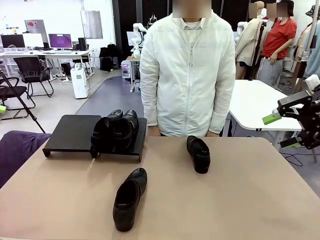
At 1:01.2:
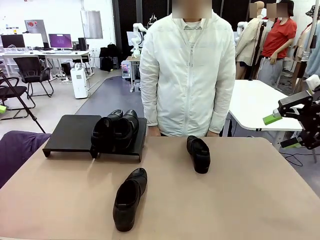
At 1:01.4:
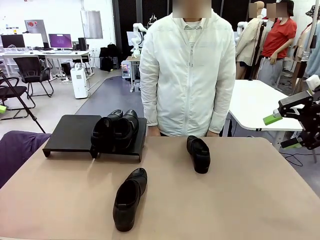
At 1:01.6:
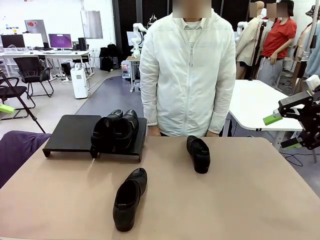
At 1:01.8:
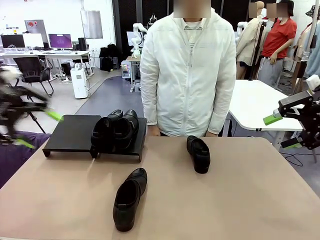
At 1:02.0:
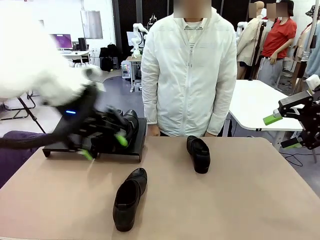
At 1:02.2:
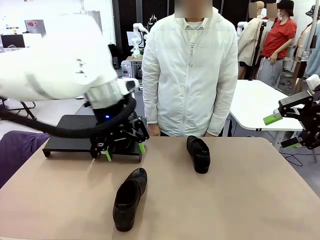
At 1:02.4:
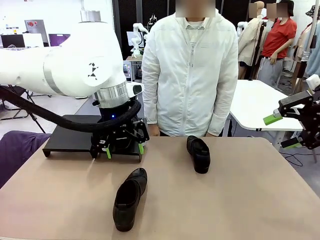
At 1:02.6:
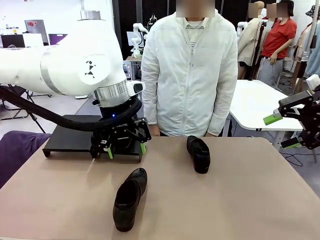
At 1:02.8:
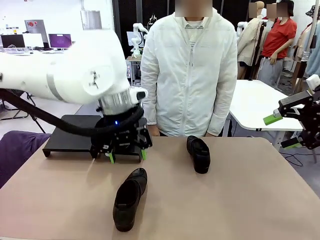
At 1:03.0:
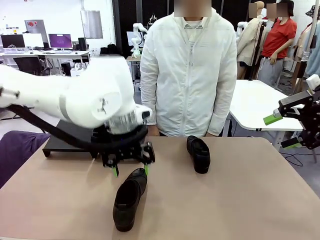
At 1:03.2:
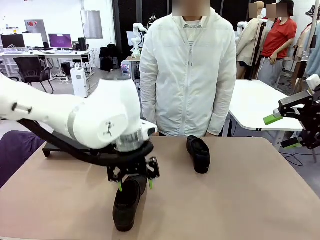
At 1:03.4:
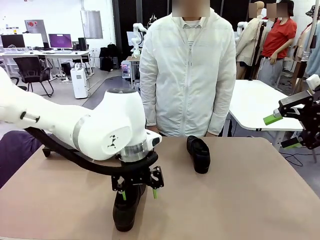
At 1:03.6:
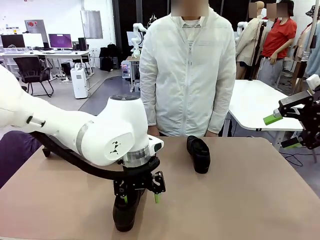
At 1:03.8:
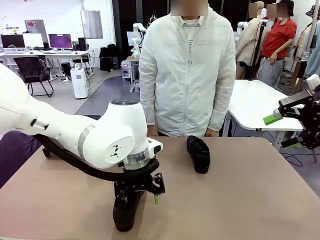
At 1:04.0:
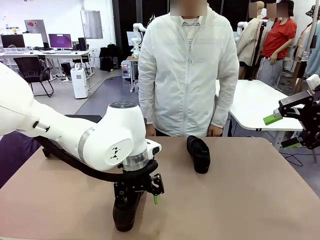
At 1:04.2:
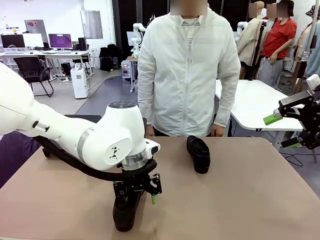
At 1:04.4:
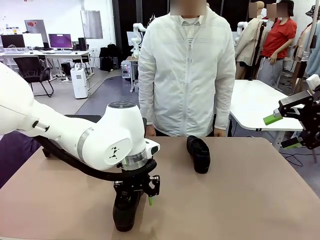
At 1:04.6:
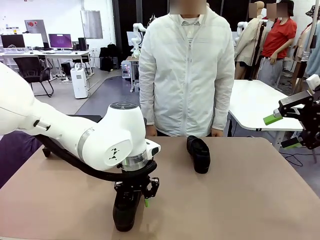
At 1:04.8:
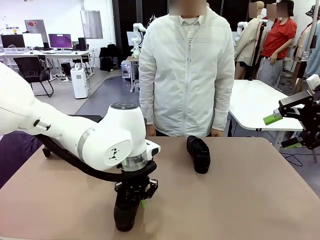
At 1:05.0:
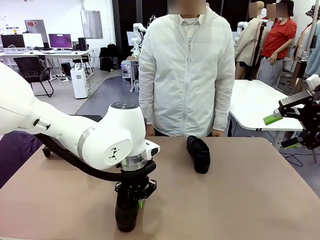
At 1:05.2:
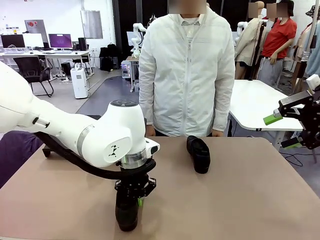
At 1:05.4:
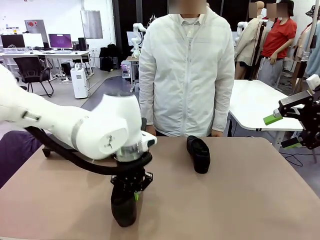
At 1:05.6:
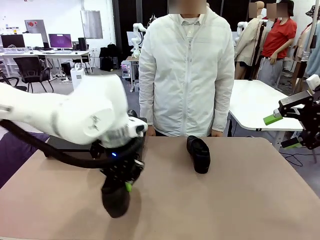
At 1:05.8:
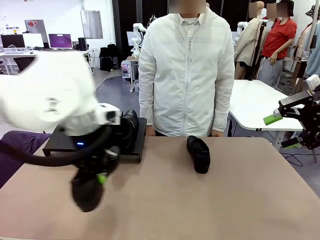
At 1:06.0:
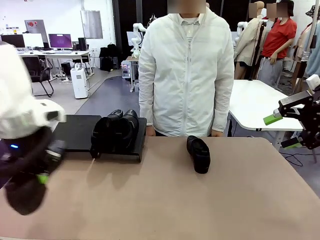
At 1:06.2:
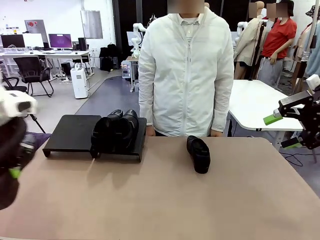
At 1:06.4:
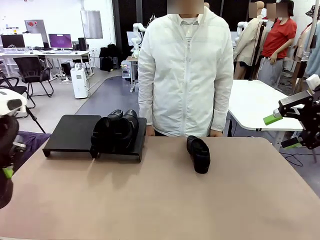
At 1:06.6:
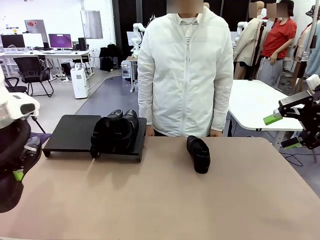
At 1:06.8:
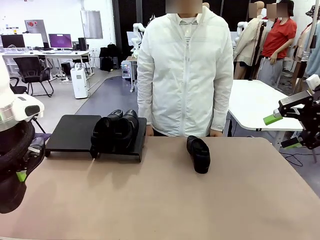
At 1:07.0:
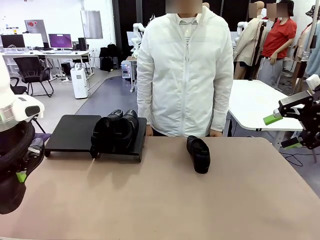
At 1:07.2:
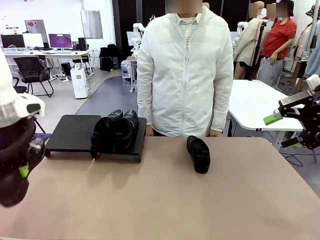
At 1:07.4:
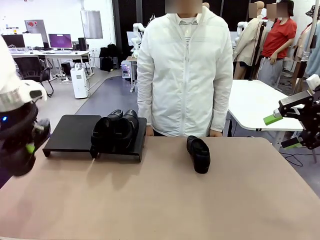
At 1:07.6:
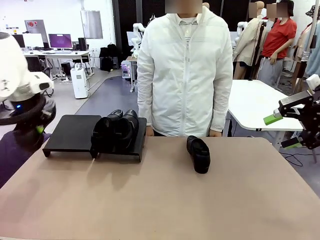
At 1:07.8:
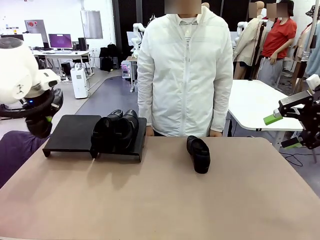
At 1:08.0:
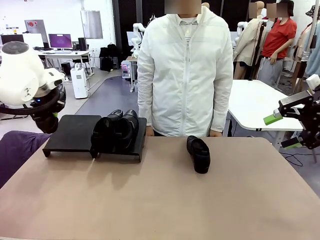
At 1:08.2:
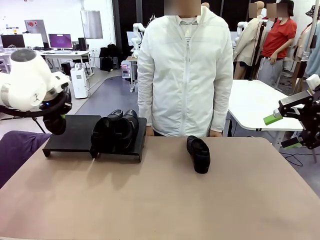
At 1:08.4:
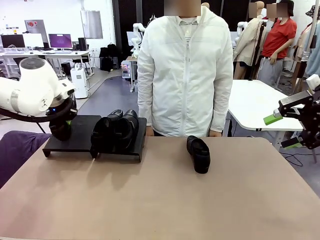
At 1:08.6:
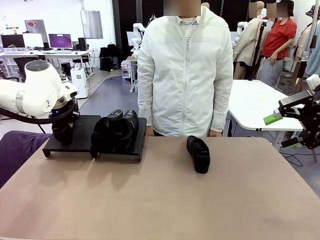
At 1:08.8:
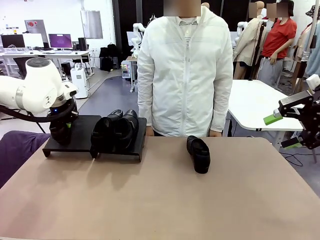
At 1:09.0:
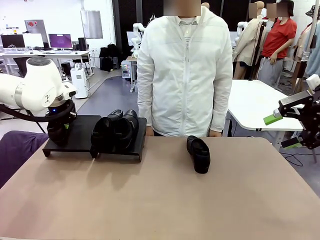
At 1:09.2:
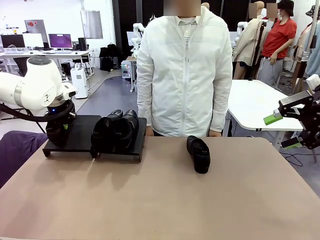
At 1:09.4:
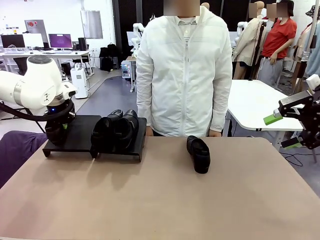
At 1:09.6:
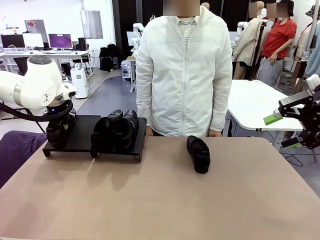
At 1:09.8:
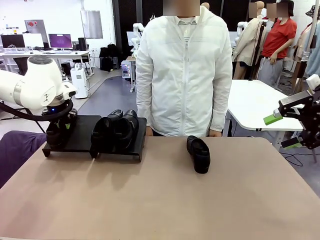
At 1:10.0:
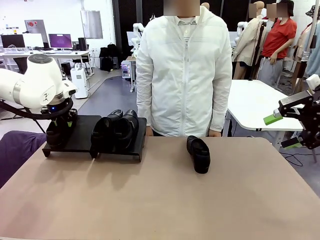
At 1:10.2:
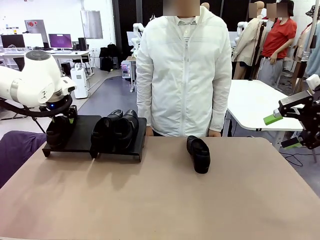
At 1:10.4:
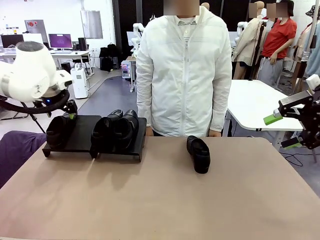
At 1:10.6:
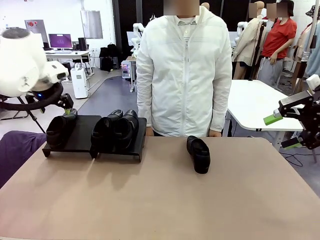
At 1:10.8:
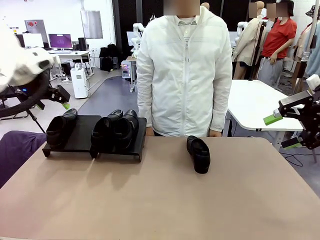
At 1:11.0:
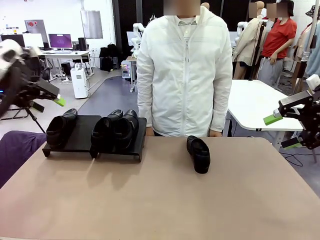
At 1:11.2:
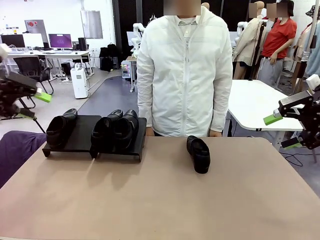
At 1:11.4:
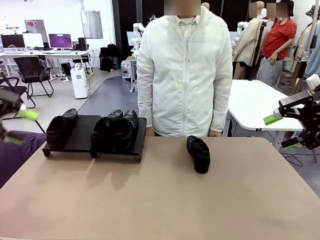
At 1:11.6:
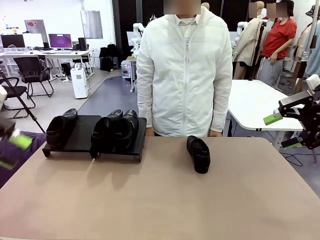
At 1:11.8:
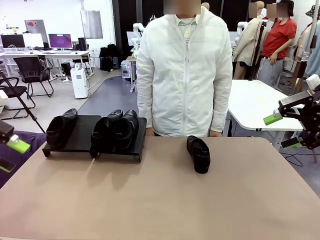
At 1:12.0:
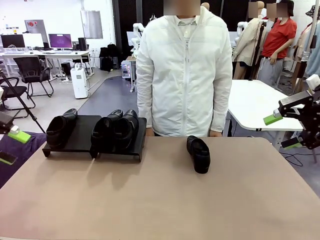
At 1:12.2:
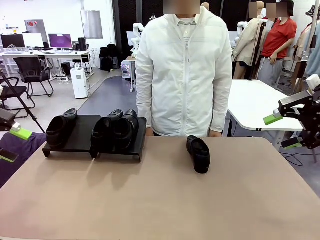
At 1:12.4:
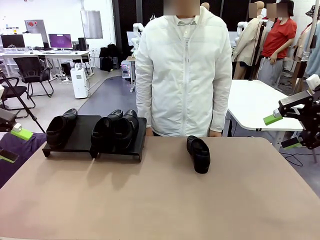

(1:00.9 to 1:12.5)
Task: Organize the shoes by placing them on the stand.
Robot: Place the Shoe from the middle of the table onto the Shoes Stand.

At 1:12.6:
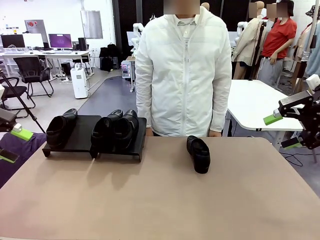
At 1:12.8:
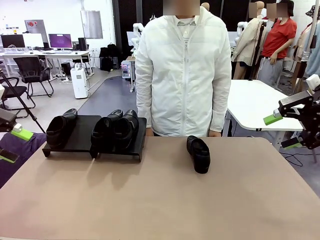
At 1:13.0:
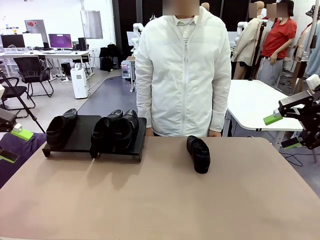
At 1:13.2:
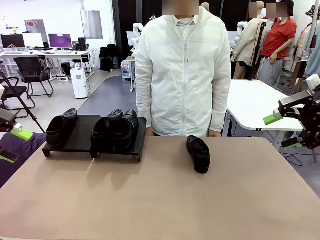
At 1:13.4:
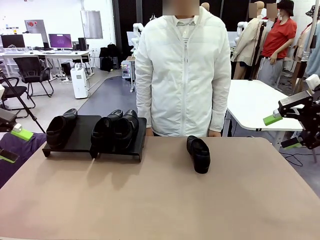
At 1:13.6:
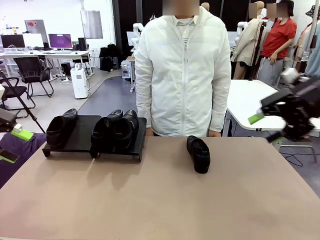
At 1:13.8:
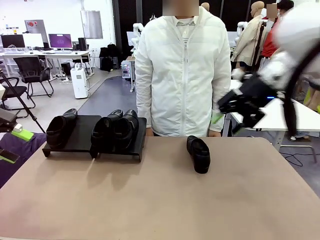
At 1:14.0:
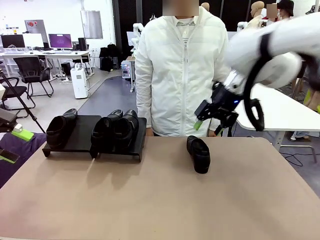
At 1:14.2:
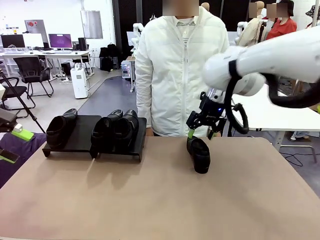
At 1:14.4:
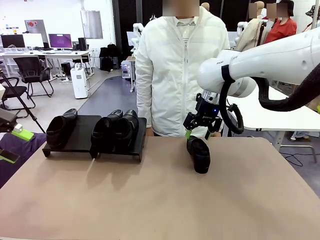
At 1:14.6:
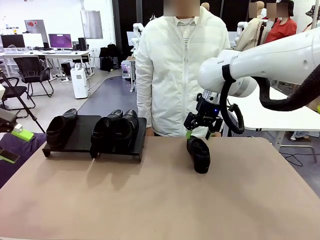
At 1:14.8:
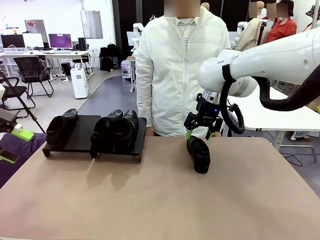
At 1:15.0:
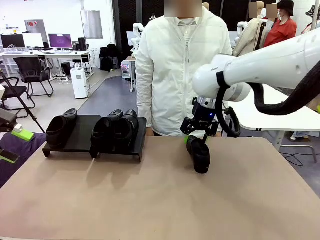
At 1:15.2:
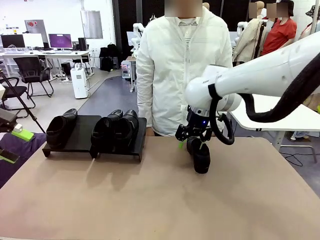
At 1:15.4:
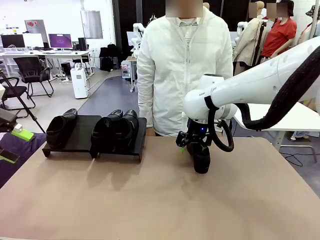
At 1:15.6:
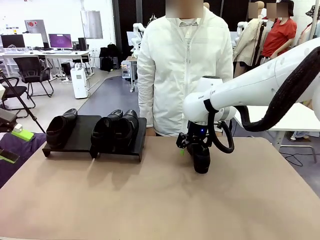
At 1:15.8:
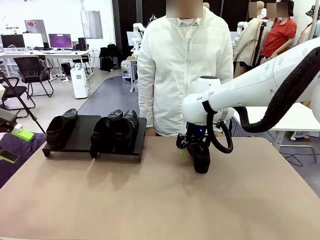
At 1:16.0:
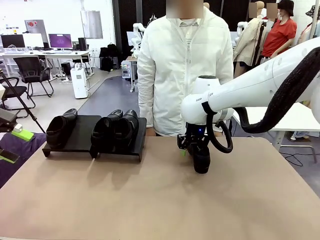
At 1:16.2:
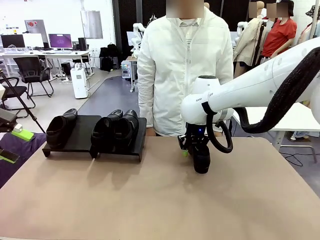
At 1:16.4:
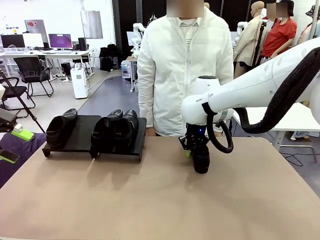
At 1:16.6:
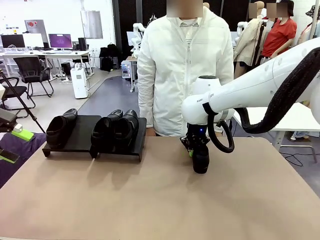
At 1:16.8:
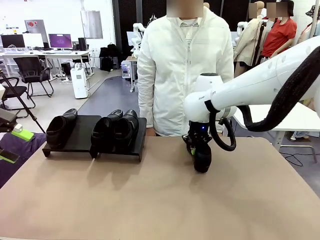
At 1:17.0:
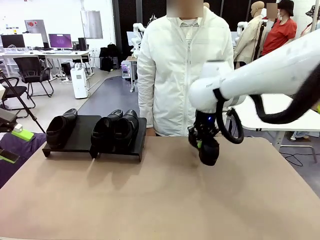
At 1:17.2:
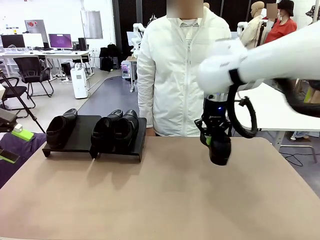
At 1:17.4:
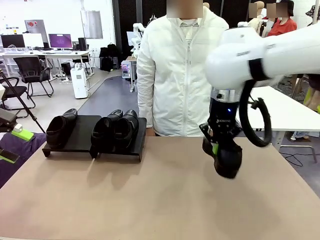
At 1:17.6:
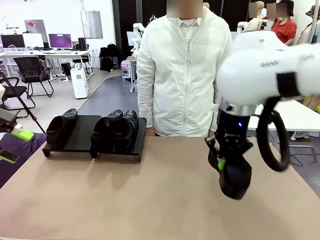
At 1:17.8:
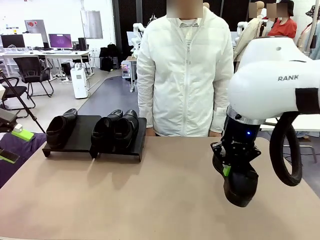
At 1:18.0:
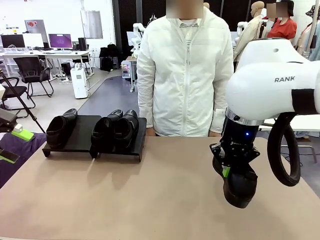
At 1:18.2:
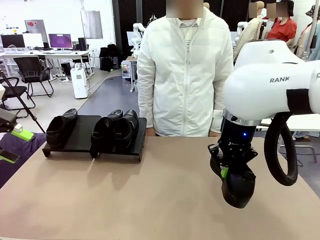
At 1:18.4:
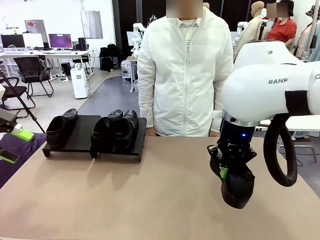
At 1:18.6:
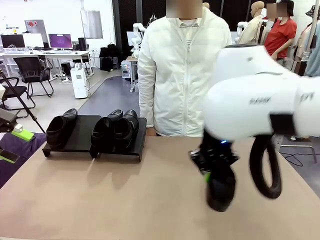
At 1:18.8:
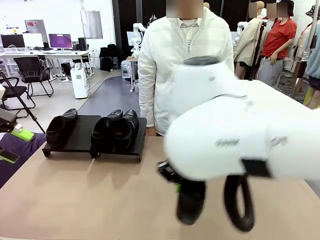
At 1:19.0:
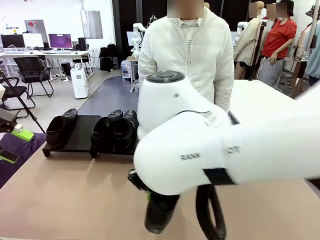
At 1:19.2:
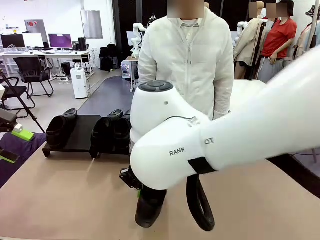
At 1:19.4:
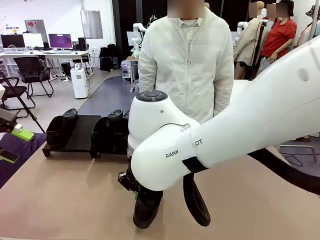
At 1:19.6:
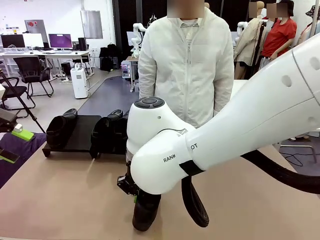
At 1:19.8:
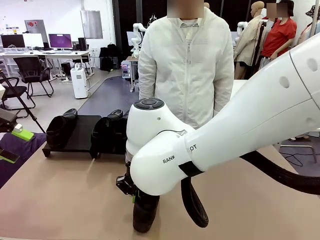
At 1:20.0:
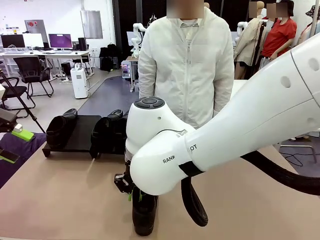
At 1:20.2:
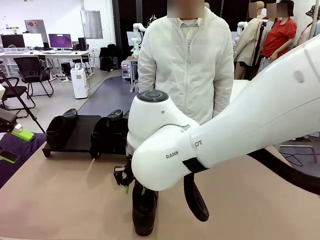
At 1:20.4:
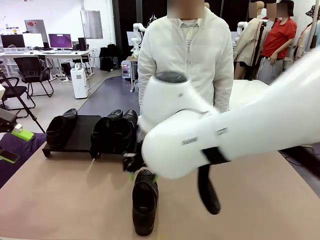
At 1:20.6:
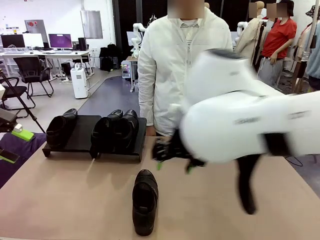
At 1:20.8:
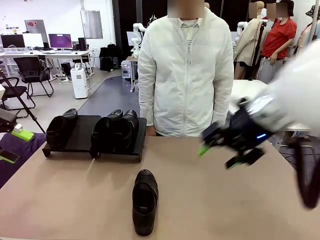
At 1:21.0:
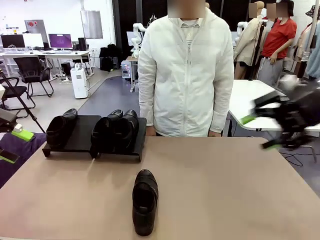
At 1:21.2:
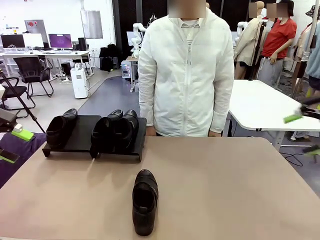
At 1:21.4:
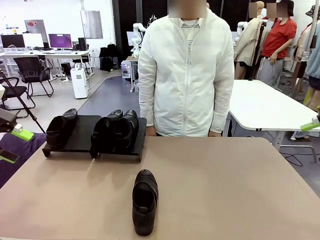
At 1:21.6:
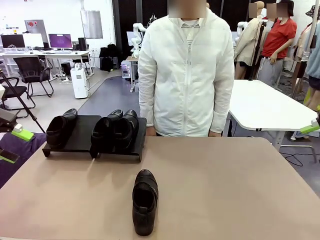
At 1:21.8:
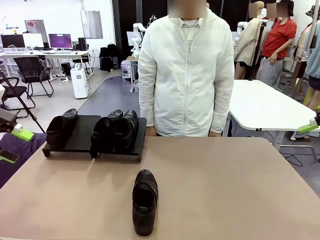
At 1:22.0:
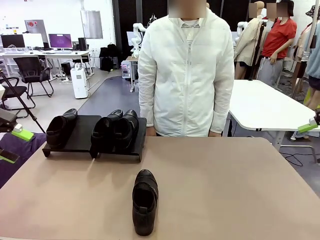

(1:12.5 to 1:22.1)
Robot: Pick up one Shoe and place it in the middle of the table.
